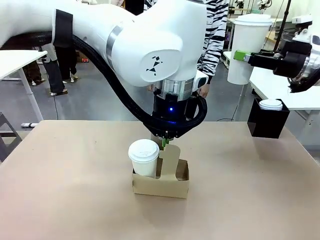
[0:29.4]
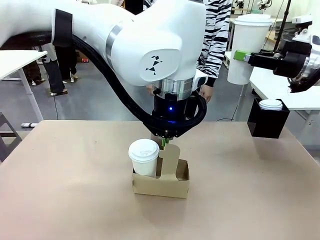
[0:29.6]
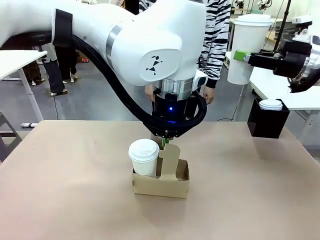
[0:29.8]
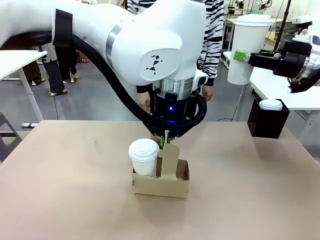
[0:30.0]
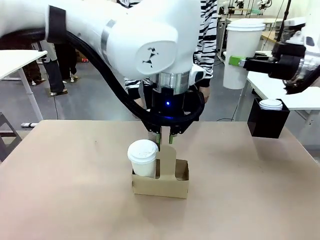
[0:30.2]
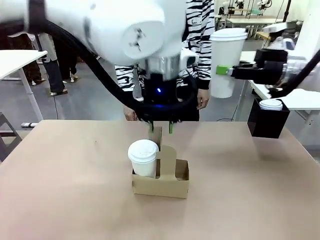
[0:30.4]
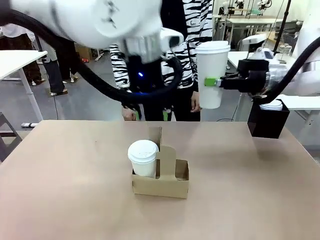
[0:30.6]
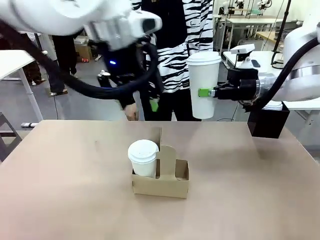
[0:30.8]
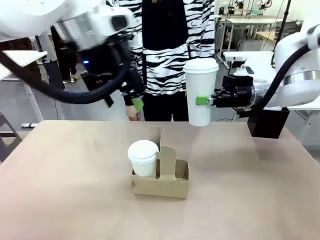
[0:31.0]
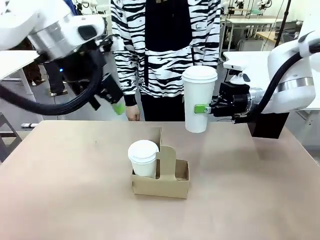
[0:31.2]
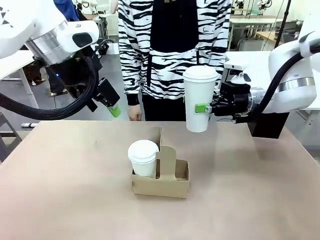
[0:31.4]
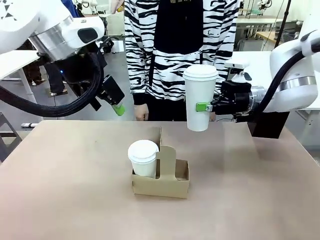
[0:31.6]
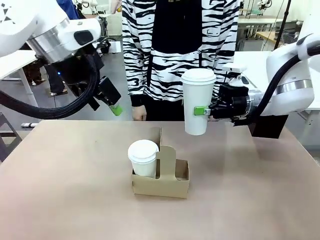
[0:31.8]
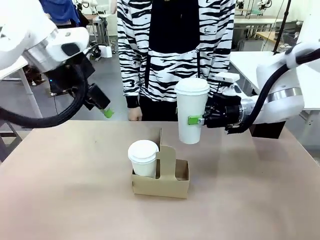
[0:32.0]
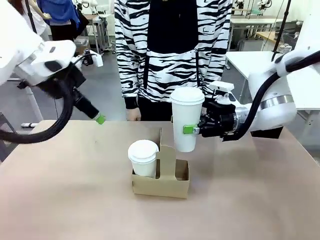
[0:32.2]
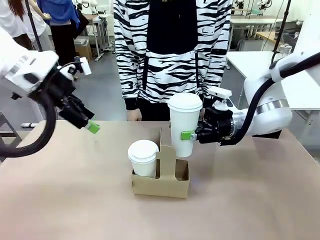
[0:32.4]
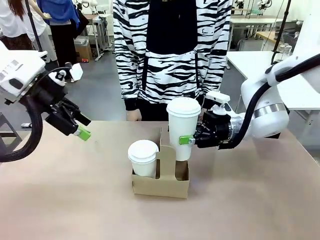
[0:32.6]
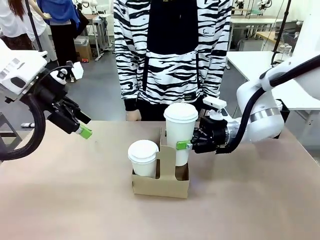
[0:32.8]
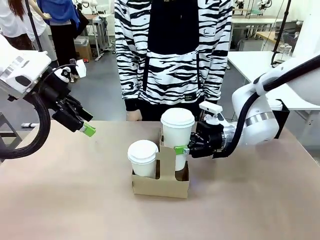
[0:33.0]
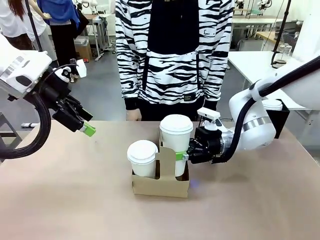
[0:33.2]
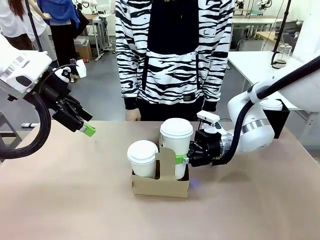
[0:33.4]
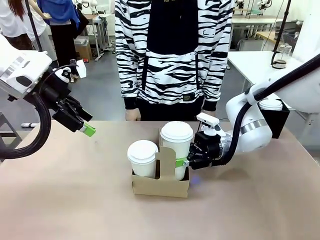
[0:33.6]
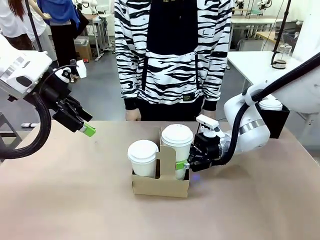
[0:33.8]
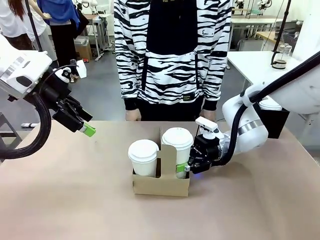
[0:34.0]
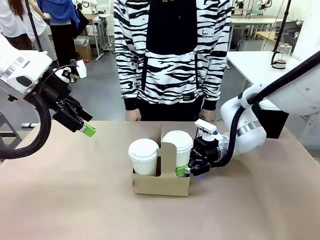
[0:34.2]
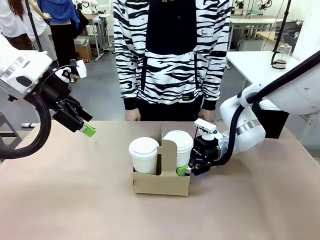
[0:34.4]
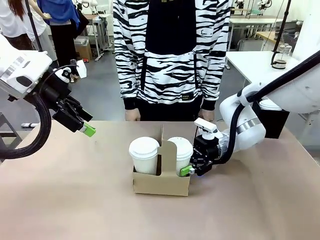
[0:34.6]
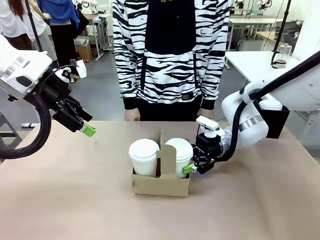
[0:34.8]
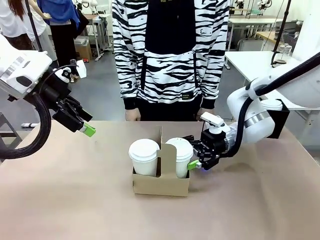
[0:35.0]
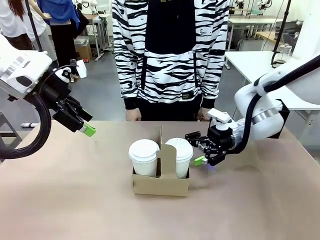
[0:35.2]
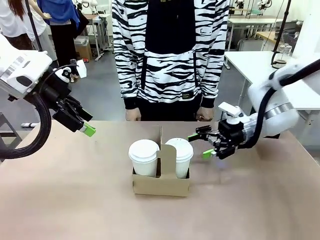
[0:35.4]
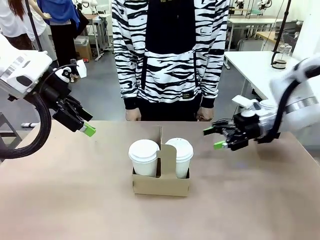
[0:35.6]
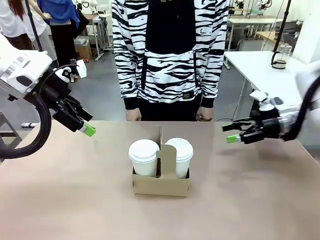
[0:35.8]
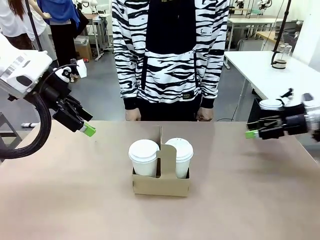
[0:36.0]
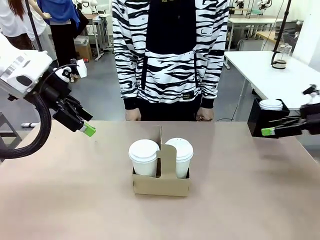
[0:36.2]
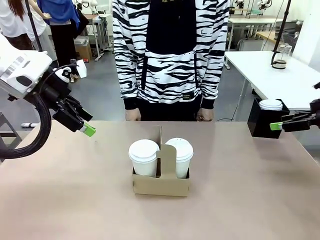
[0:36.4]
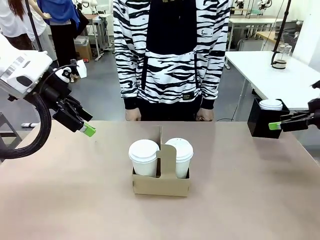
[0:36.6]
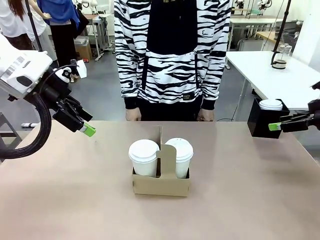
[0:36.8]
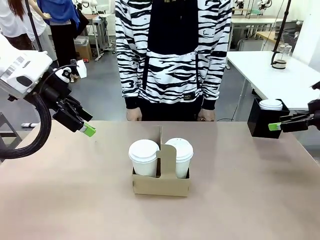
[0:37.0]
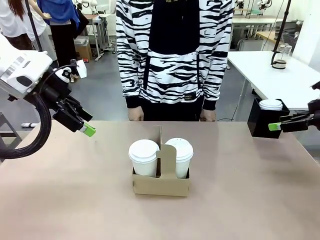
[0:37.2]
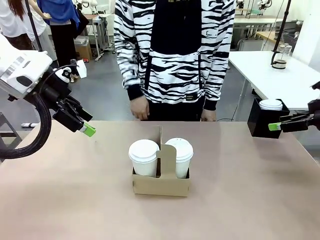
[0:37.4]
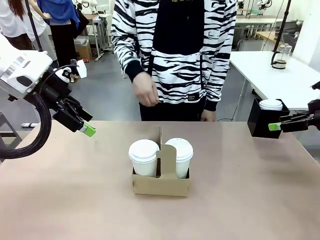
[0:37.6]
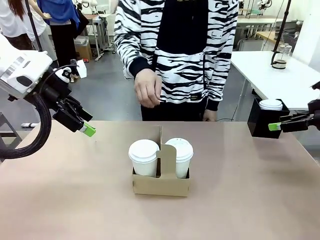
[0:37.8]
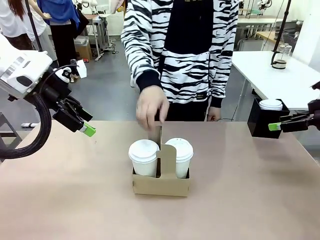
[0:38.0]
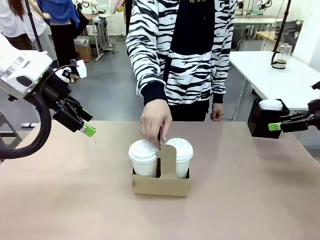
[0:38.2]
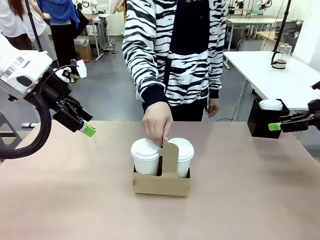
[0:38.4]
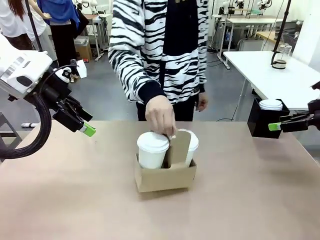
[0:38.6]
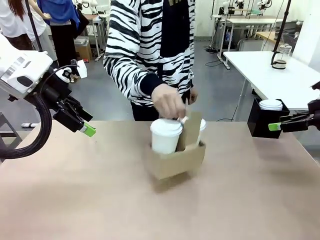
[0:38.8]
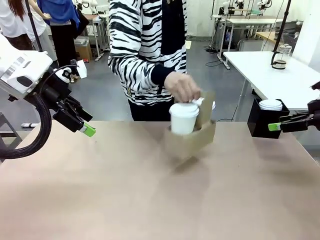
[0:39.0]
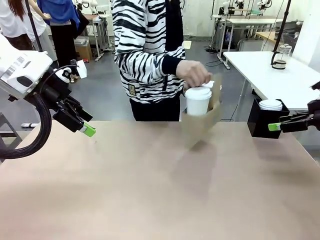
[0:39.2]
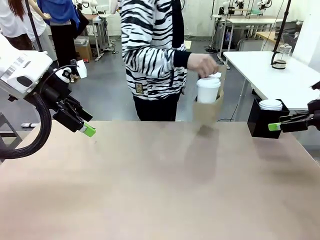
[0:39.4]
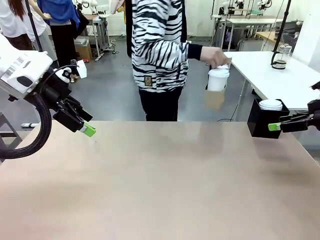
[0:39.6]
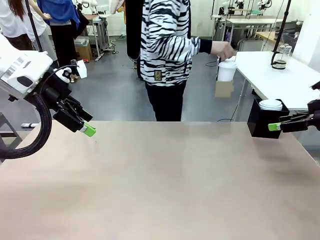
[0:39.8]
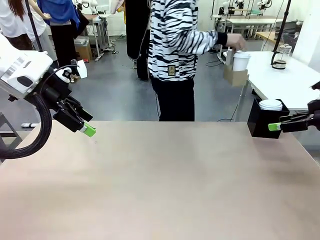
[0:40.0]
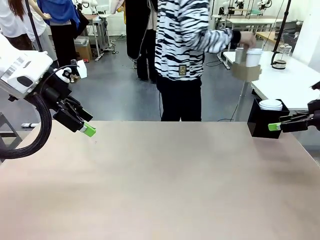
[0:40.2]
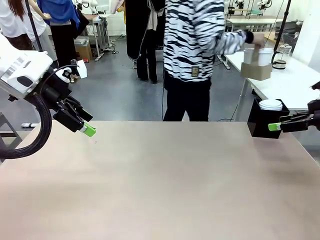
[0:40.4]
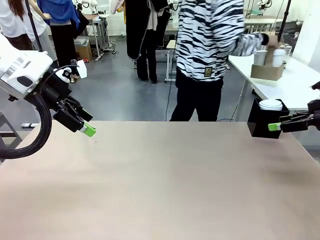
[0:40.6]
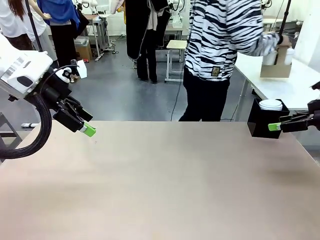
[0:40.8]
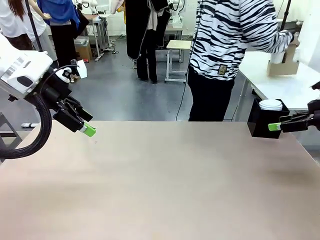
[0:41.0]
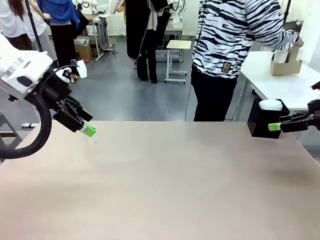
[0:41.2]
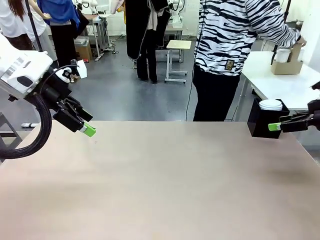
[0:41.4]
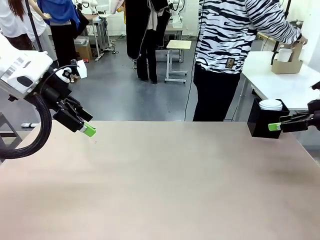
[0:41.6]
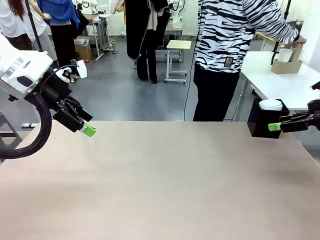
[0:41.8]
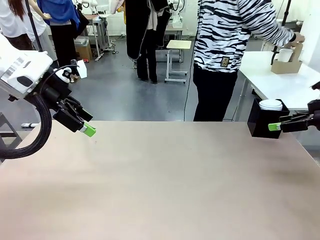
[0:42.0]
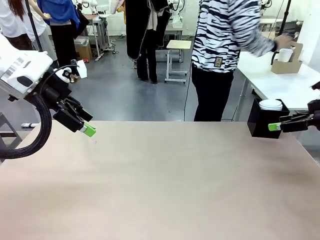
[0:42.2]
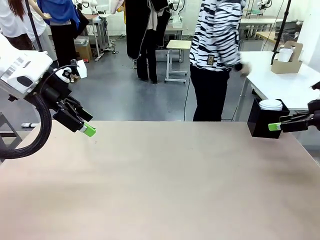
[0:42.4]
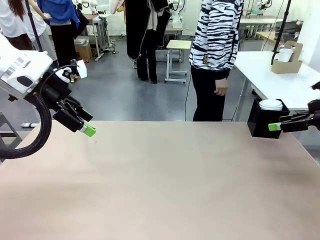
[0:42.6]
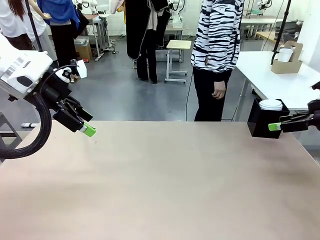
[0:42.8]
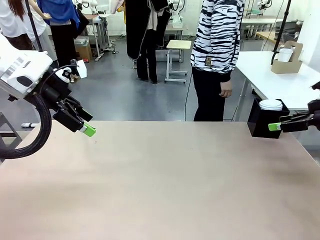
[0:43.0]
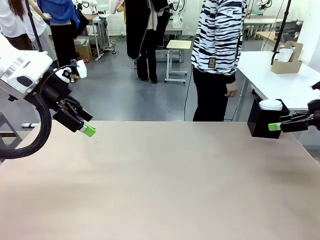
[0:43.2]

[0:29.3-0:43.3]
Task: Pour a drink into a cup and package it in a carrier.
Robot: Insert the held 600 ml Paper Cup into the Cup Carrier.
Person: Place the Cup Carrier to the middle of Human table.

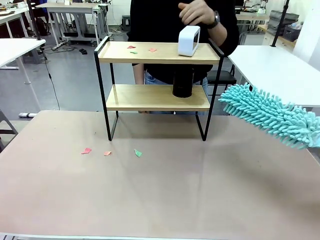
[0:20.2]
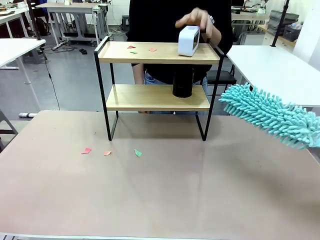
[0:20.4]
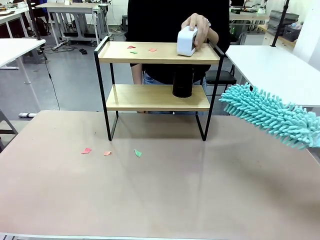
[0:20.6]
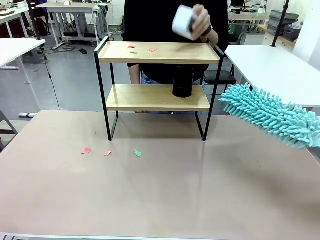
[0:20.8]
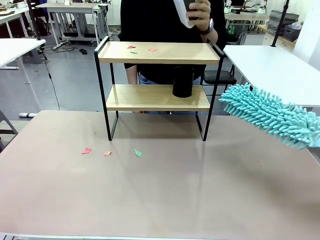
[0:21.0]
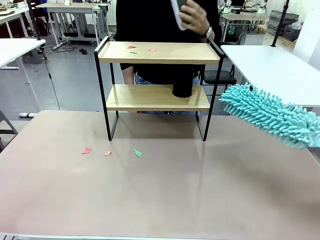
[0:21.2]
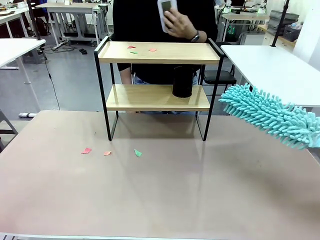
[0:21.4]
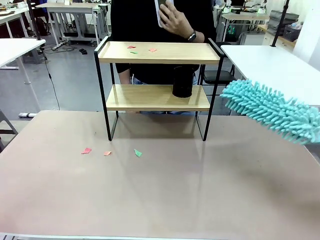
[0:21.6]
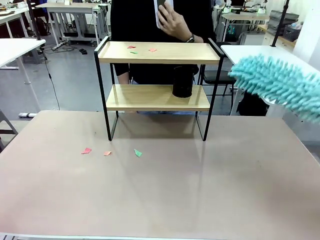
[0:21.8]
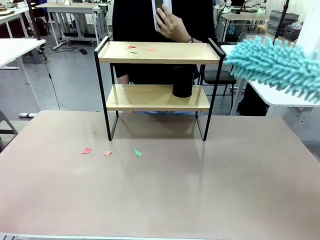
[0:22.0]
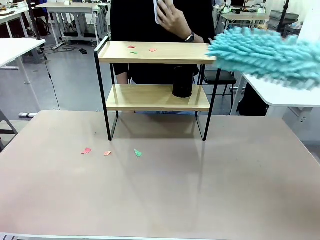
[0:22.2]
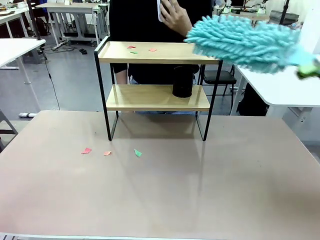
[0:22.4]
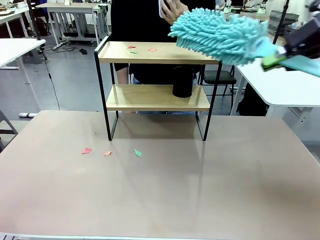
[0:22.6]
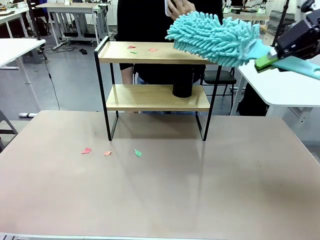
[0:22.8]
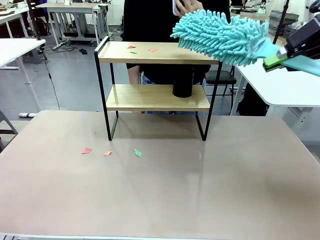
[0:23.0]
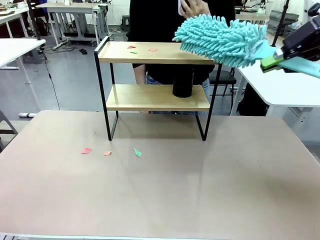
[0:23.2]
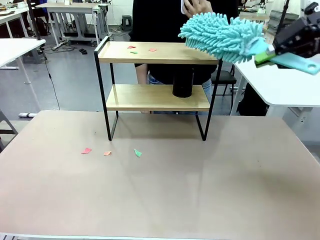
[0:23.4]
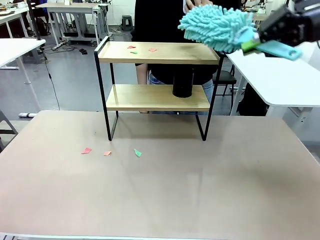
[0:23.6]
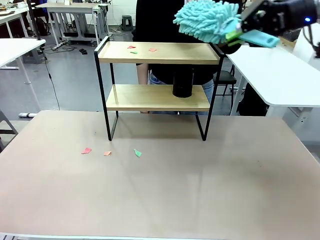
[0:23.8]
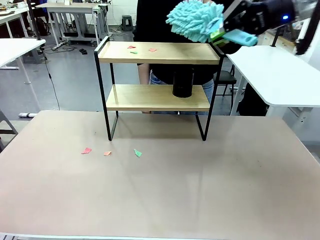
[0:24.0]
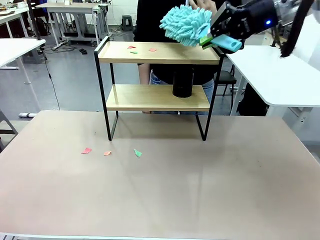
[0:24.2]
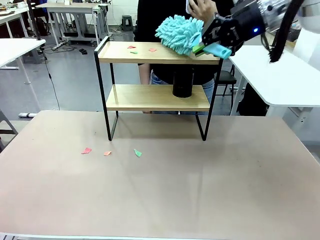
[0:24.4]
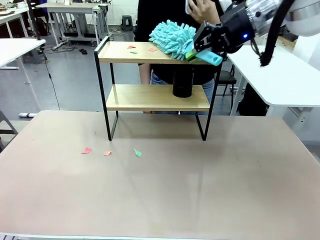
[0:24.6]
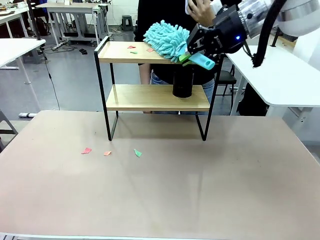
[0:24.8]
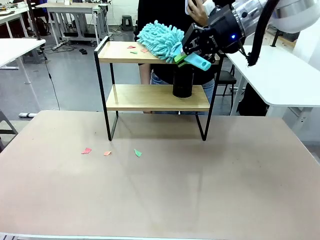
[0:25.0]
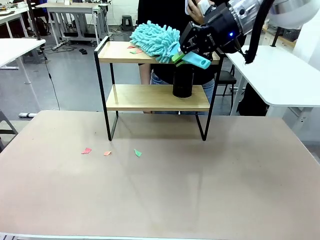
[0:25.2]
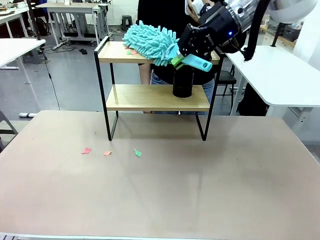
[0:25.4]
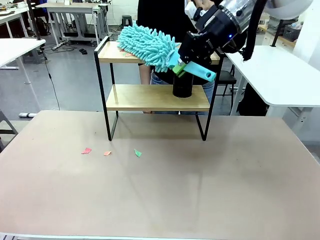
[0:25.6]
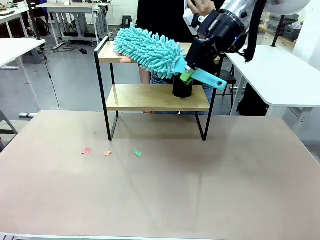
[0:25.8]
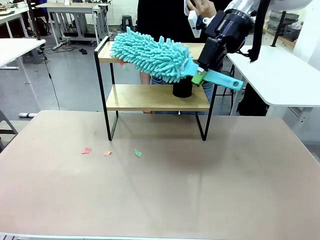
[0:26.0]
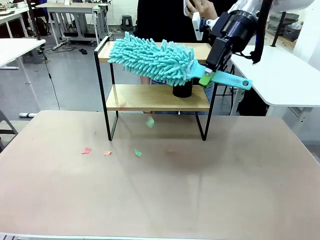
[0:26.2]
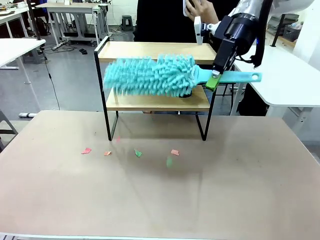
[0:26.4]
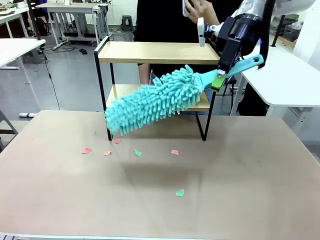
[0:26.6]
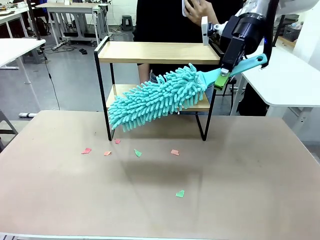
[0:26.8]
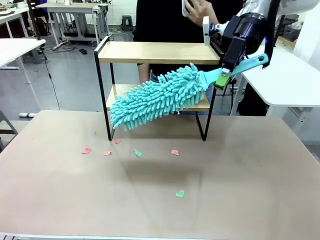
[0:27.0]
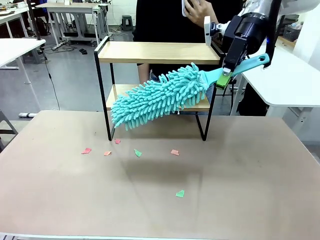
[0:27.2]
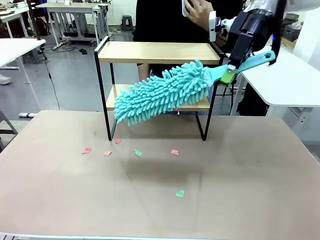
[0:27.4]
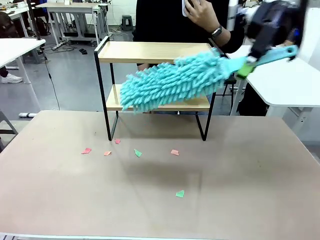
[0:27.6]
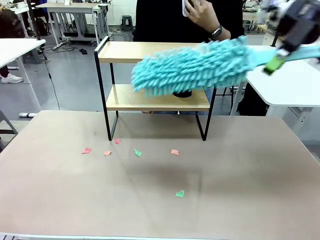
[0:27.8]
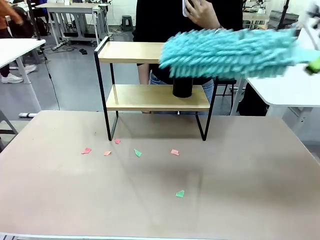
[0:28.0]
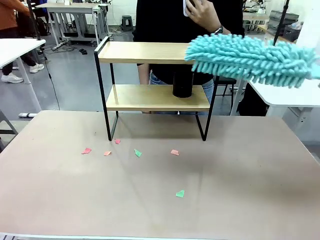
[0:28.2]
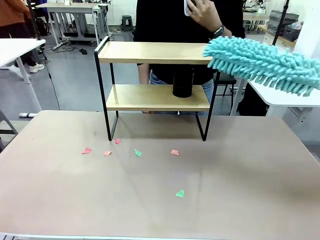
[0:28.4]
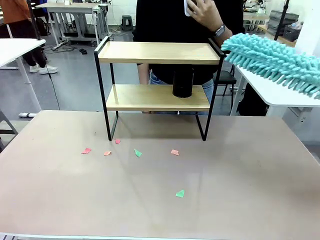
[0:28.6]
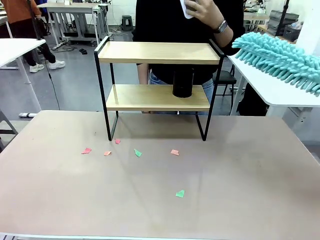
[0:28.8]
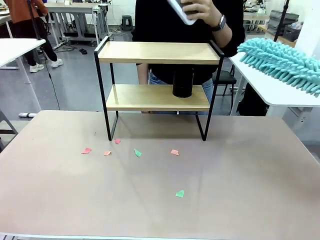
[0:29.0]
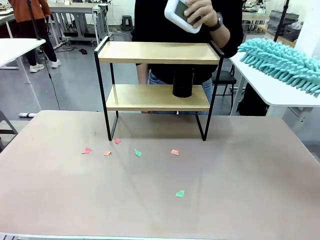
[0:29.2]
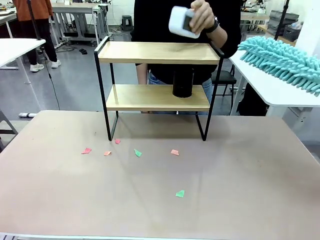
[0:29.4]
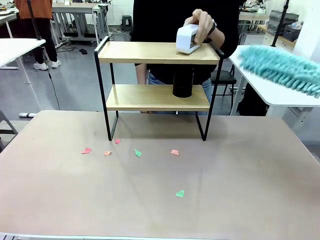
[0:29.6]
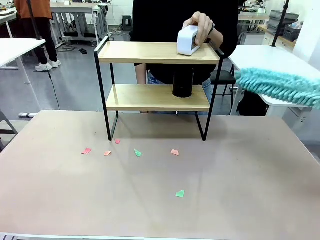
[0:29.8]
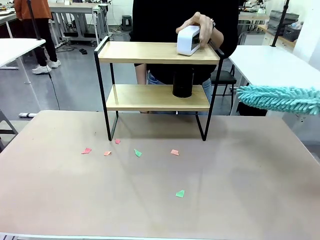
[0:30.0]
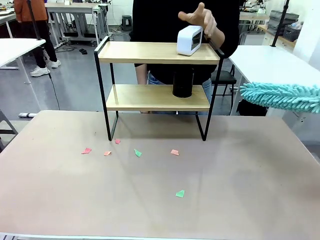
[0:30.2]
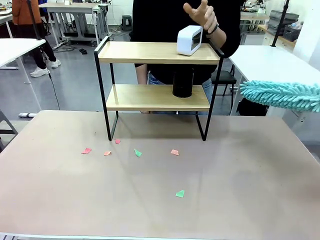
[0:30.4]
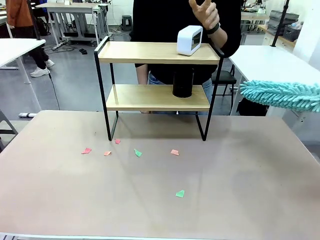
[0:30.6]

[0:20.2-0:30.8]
Task: Clean the shelf.
Robot: Clean the remaining tier of the Shelf with the Duster once objects are removed.
